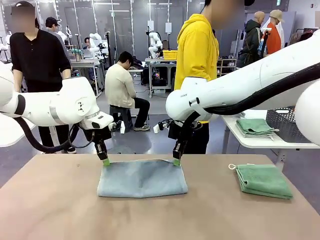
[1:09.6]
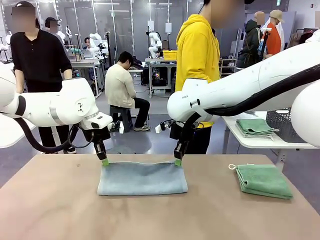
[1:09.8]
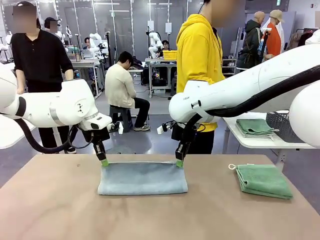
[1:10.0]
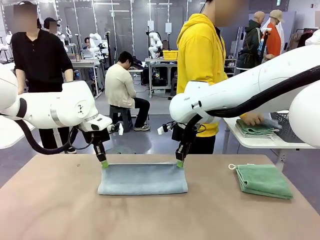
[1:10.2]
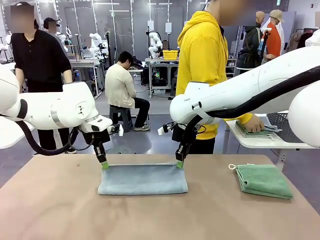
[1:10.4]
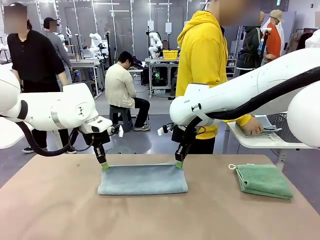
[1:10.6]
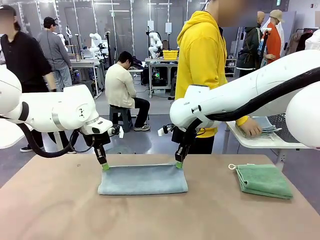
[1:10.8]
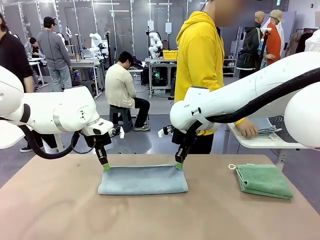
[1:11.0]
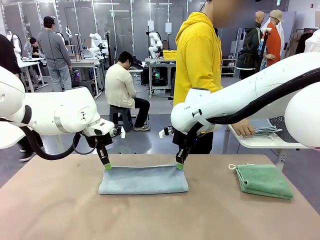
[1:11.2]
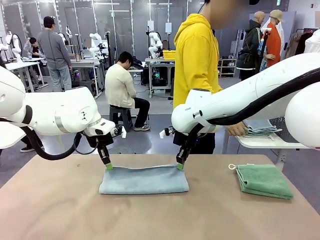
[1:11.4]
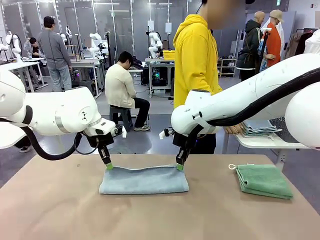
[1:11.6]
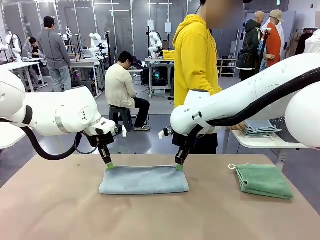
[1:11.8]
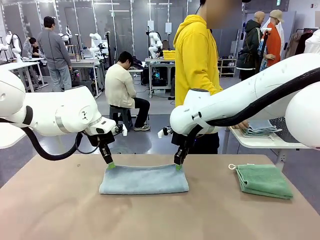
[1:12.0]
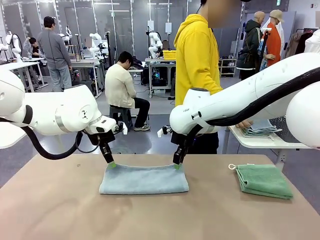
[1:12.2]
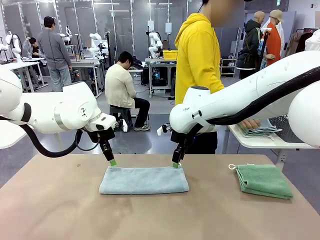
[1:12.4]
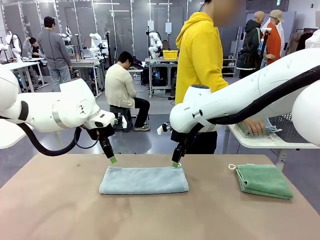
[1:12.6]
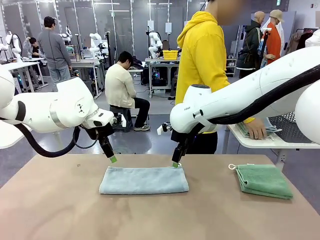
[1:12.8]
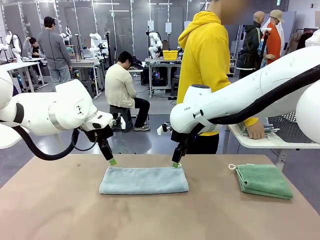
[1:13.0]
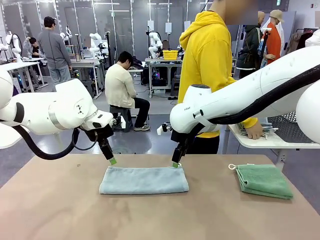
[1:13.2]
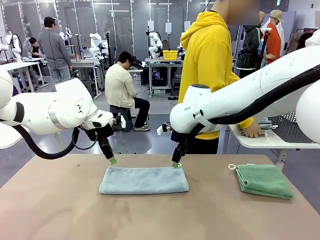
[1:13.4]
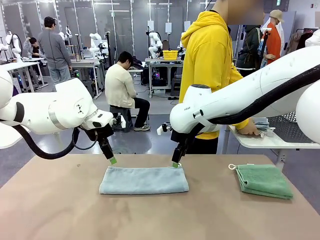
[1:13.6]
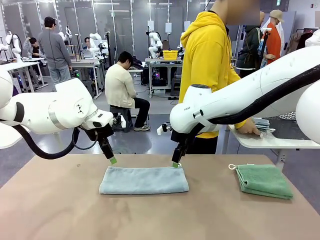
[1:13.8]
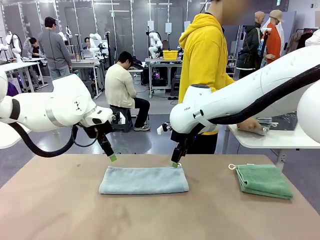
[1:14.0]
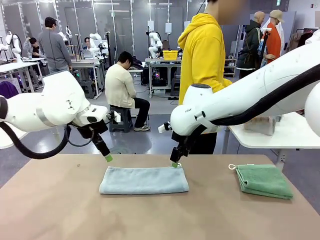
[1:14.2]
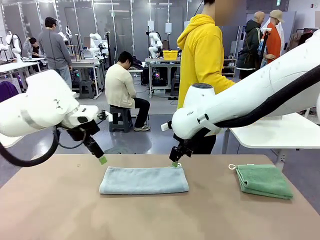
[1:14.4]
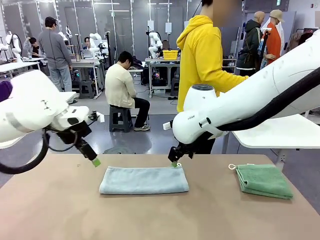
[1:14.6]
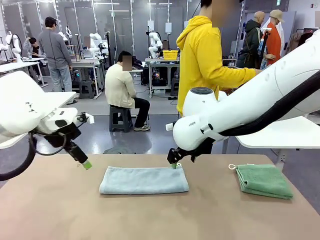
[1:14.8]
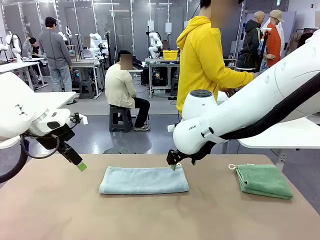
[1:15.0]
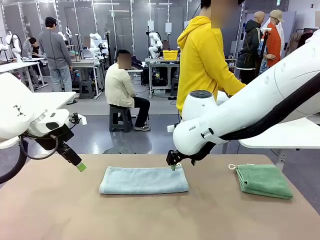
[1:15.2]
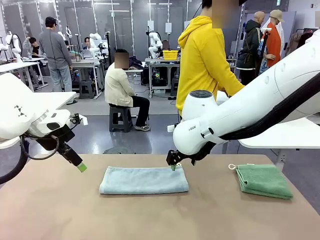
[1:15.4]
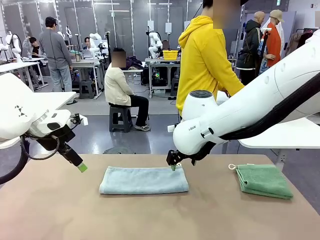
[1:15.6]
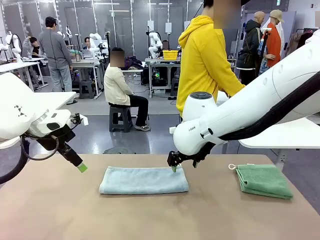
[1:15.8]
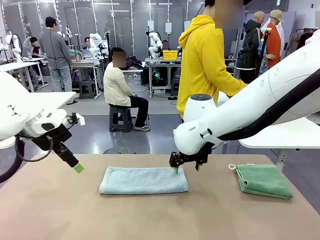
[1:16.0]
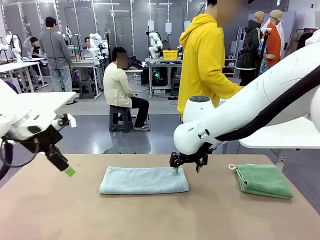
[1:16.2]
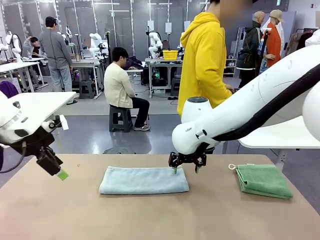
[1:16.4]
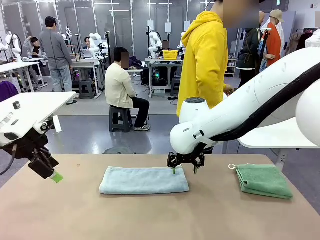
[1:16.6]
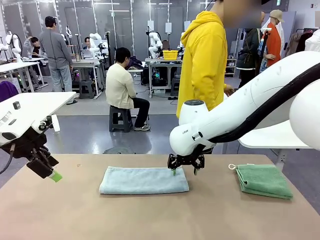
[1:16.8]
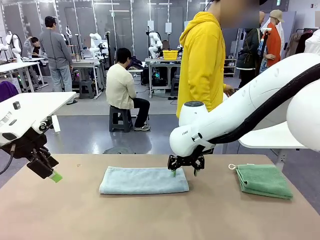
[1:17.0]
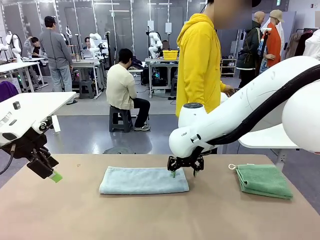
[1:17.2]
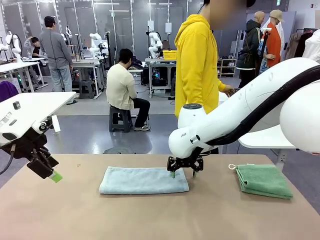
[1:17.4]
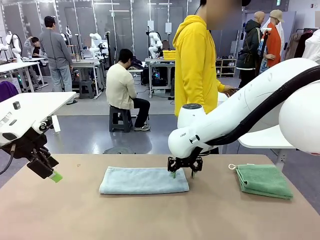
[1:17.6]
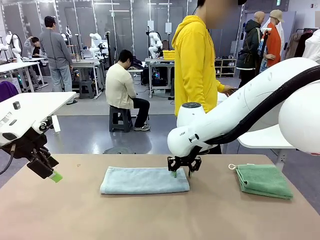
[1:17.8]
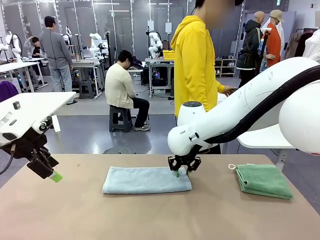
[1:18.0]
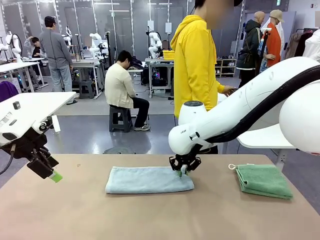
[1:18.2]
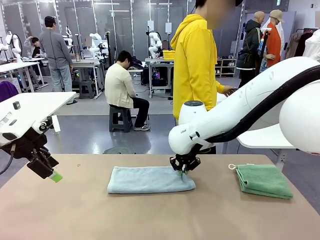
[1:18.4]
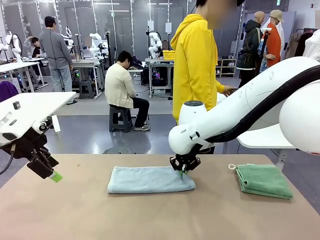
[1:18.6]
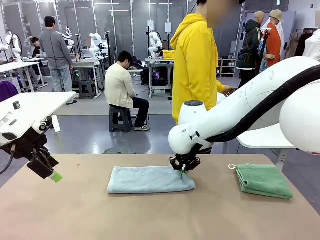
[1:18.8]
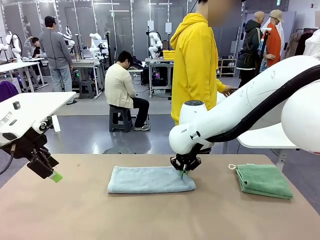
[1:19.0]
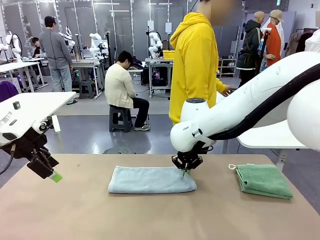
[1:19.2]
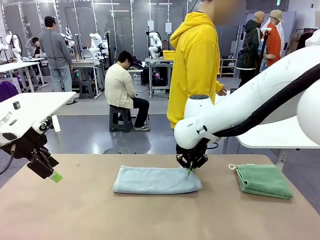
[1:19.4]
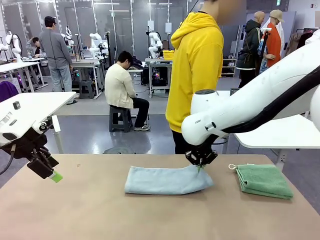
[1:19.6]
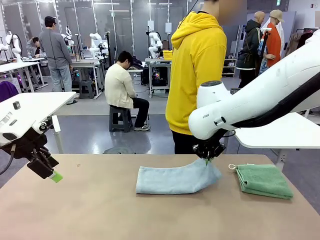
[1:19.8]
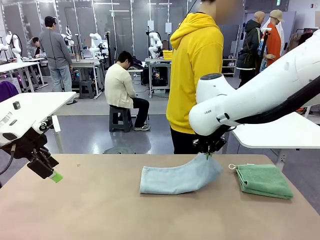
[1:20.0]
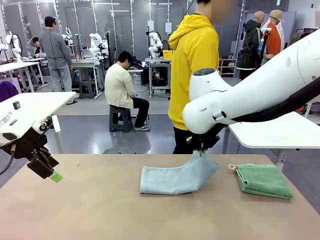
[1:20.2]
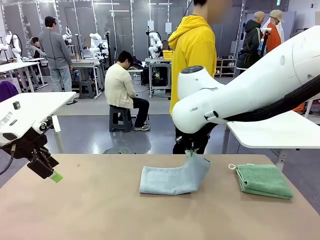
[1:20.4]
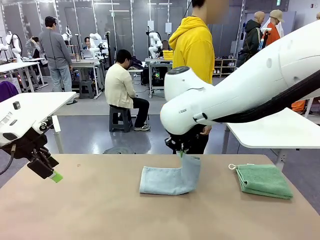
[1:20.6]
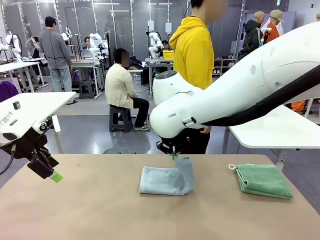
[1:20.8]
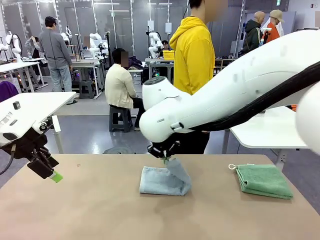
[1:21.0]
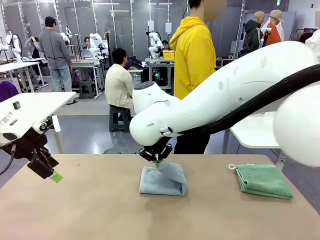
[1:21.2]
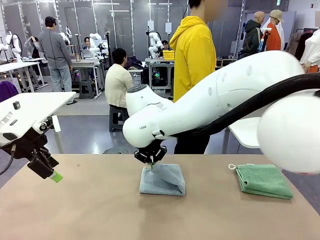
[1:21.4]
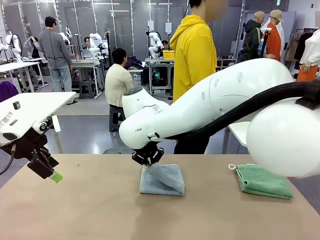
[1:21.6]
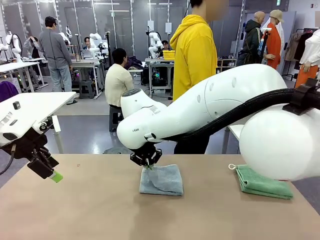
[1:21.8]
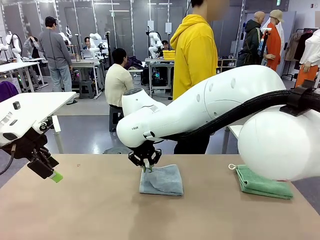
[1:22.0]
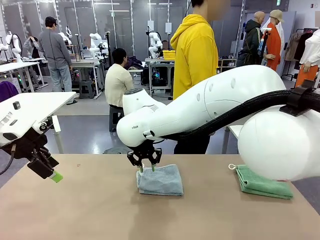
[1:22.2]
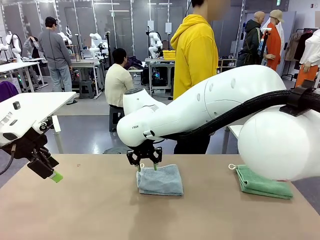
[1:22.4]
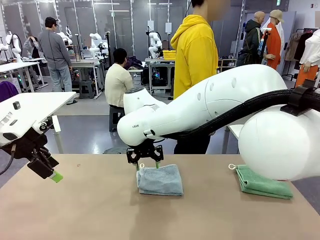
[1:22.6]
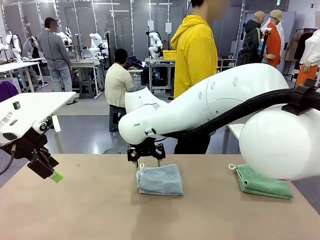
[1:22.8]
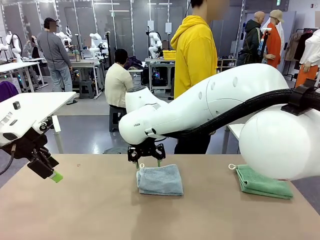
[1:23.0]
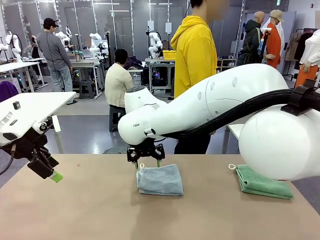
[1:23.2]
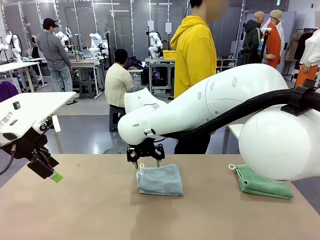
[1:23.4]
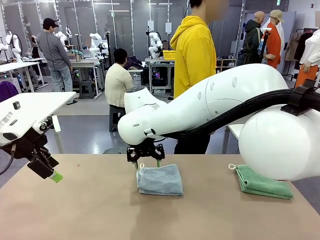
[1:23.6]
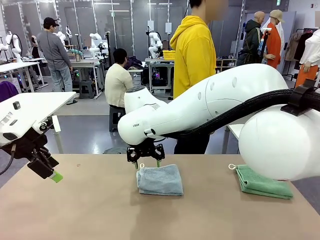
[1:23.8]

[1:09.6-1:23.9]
Task: Fold the towels and place them in the basket.
Robot: When a person lays out a Towel with hook on the table, fold it in half twice.
Person: Pick up the stack of towels from the right side of the human table, place it into the basket, and put the basket at the center of the table.
